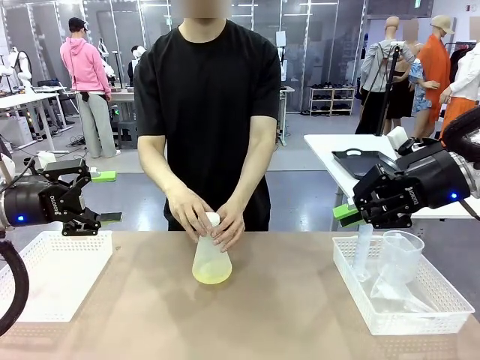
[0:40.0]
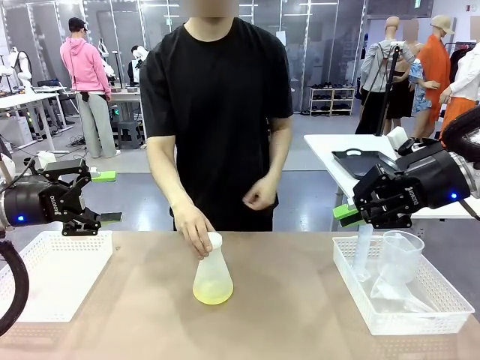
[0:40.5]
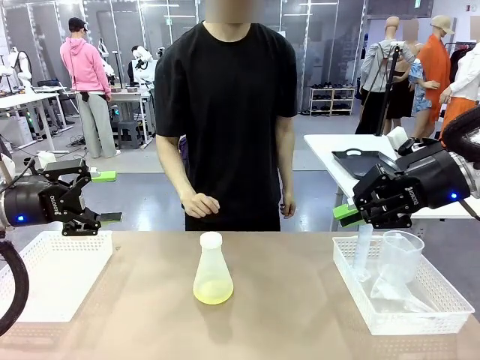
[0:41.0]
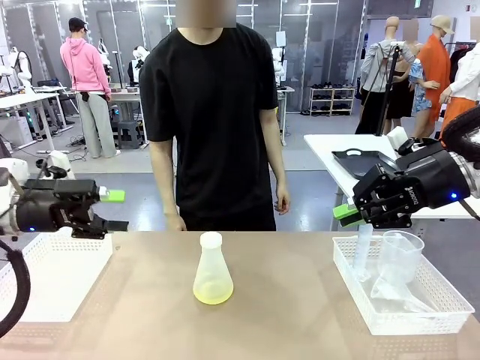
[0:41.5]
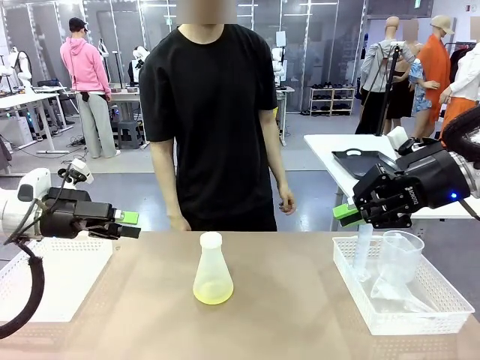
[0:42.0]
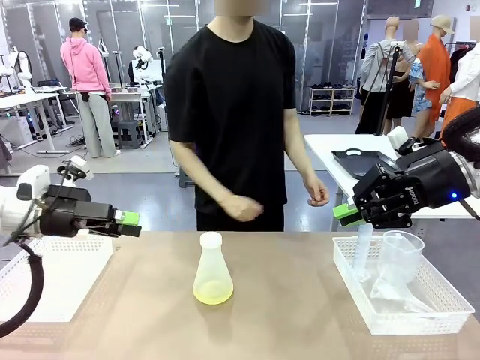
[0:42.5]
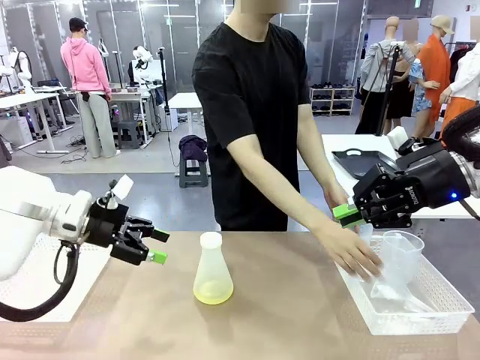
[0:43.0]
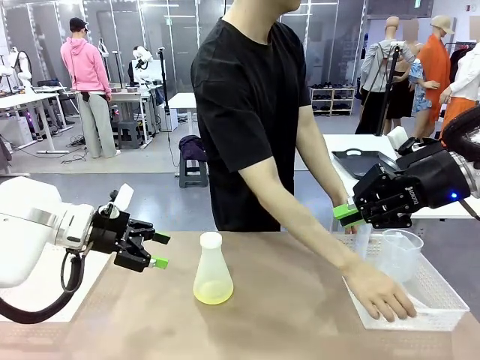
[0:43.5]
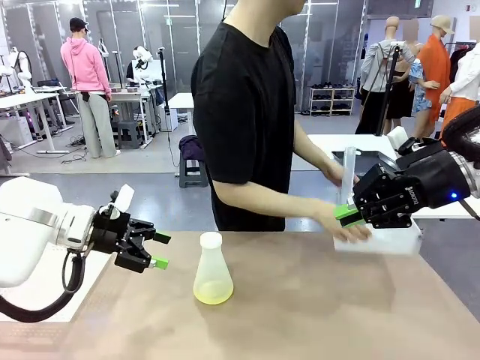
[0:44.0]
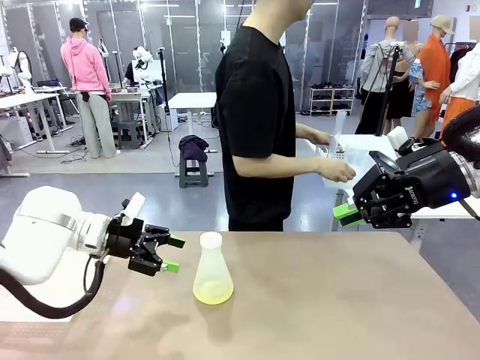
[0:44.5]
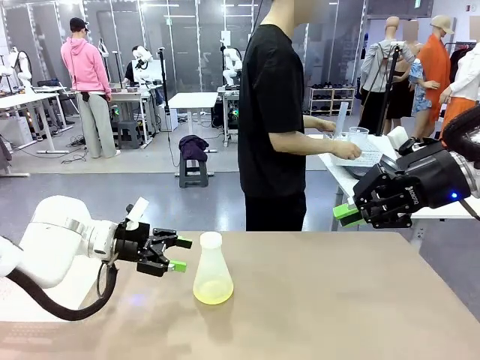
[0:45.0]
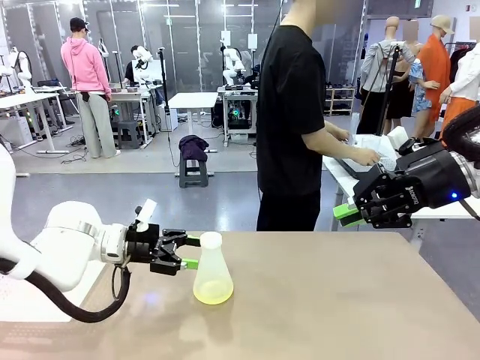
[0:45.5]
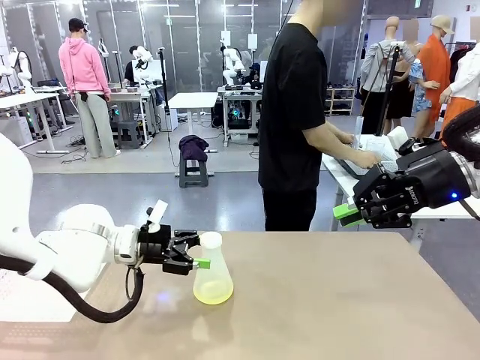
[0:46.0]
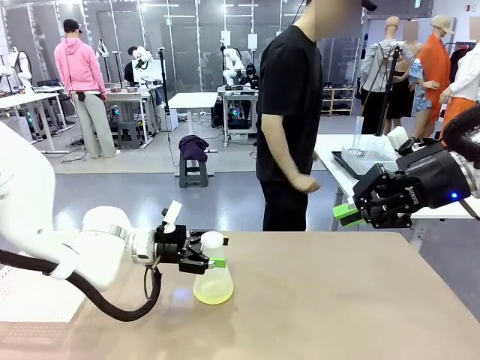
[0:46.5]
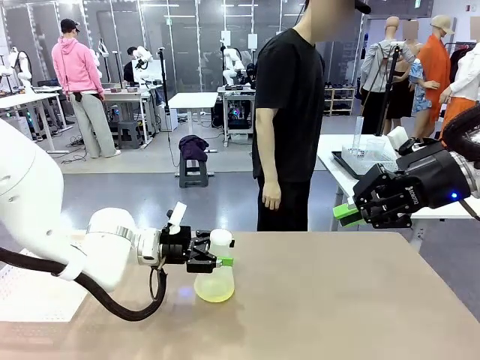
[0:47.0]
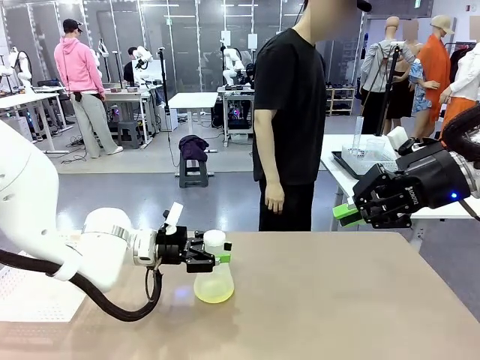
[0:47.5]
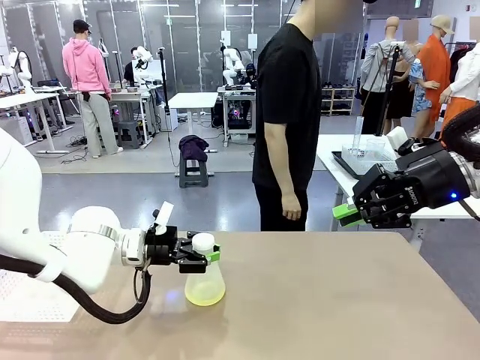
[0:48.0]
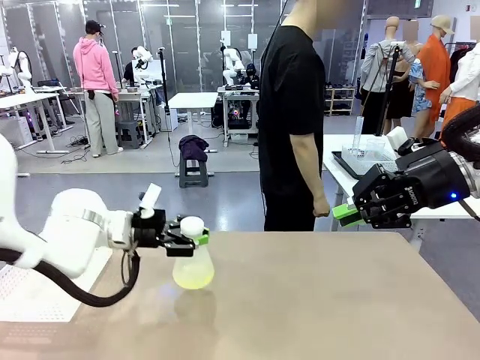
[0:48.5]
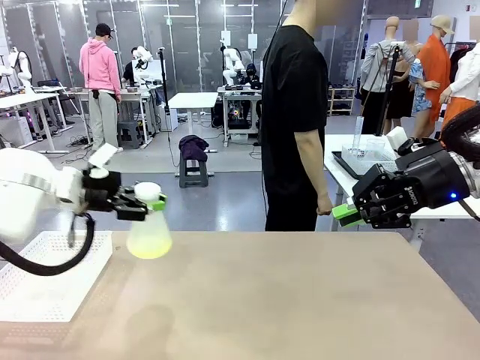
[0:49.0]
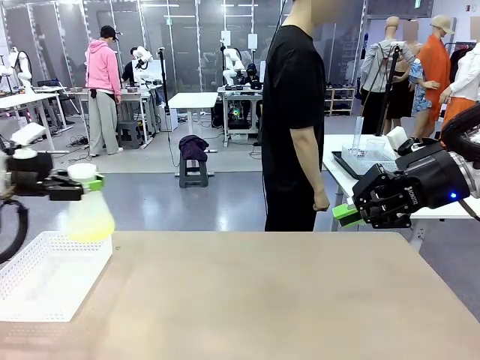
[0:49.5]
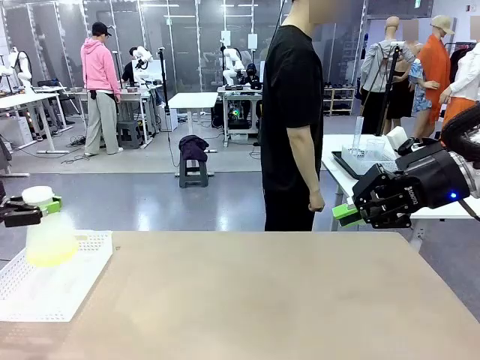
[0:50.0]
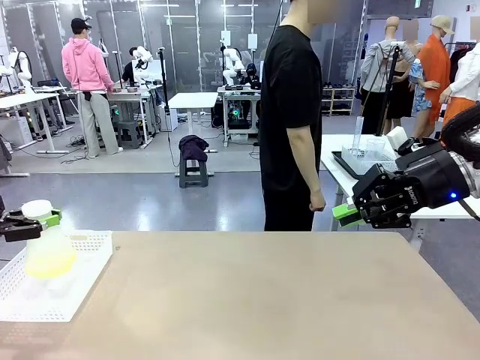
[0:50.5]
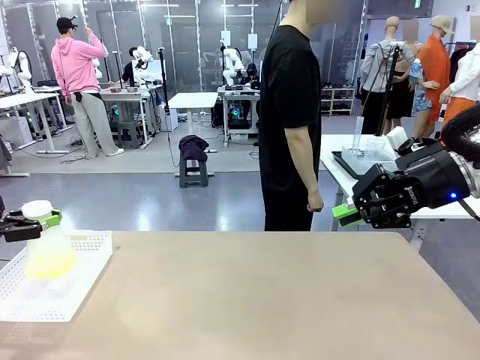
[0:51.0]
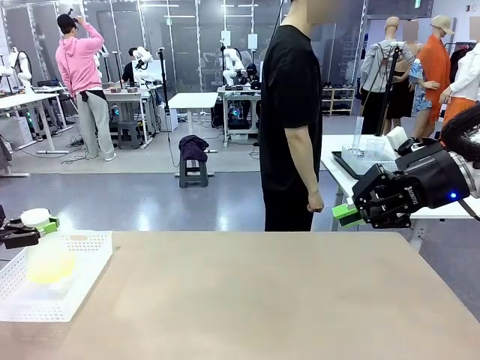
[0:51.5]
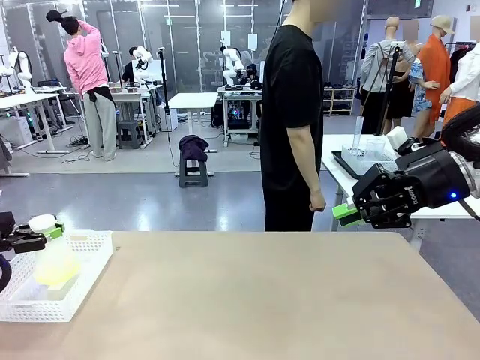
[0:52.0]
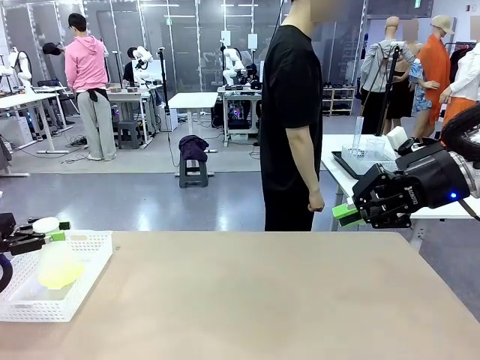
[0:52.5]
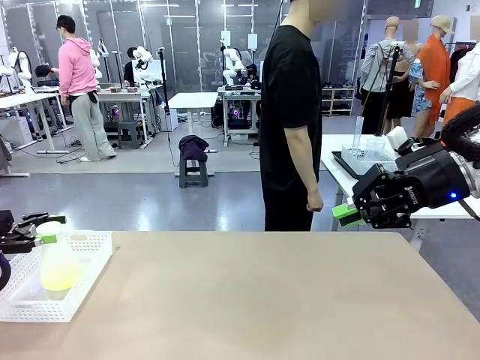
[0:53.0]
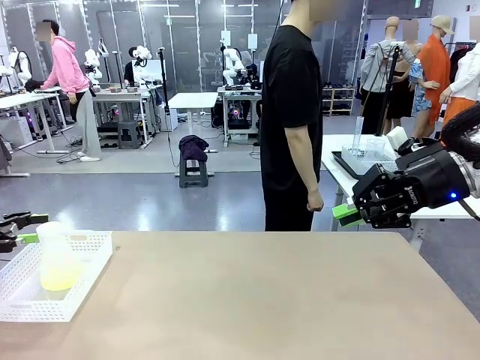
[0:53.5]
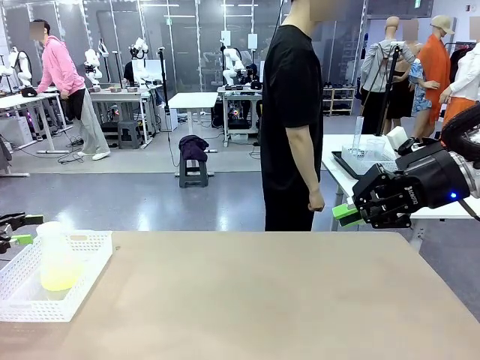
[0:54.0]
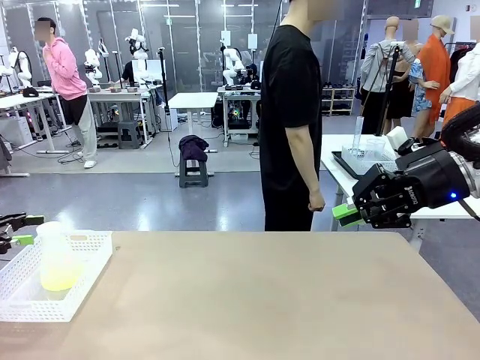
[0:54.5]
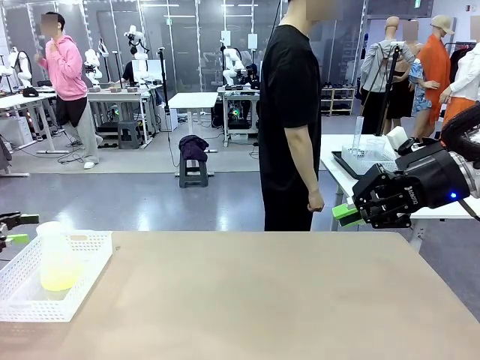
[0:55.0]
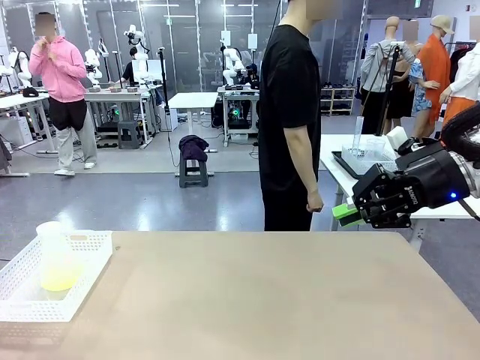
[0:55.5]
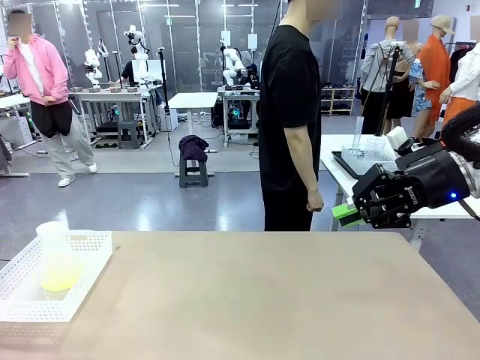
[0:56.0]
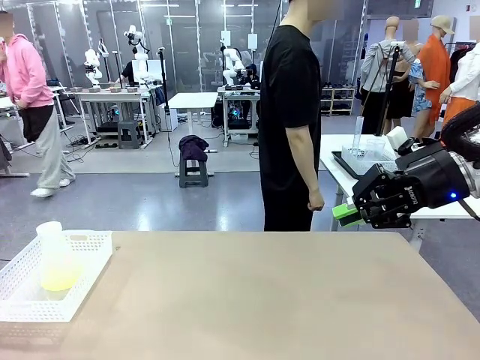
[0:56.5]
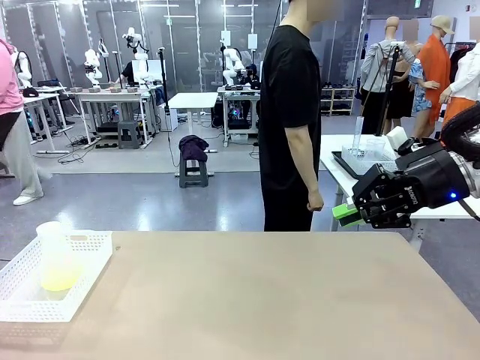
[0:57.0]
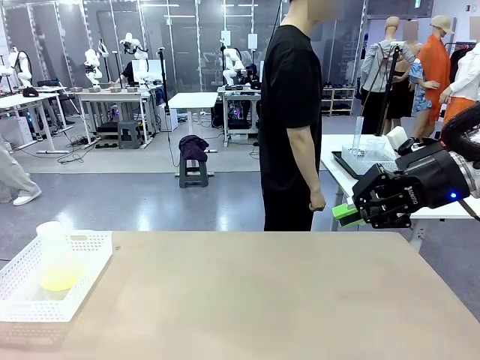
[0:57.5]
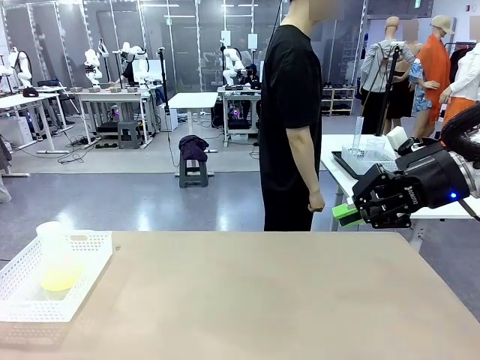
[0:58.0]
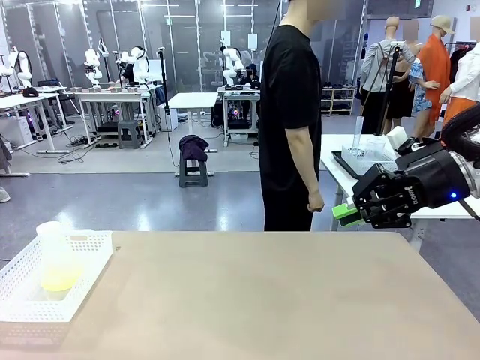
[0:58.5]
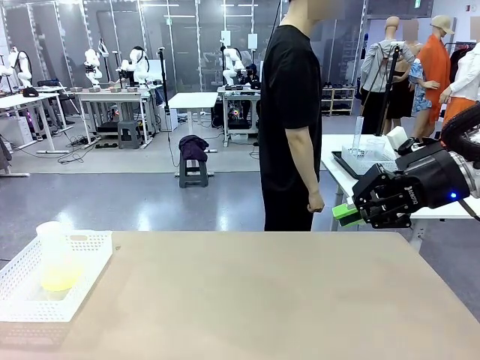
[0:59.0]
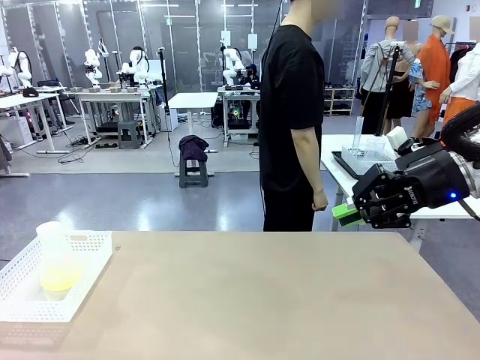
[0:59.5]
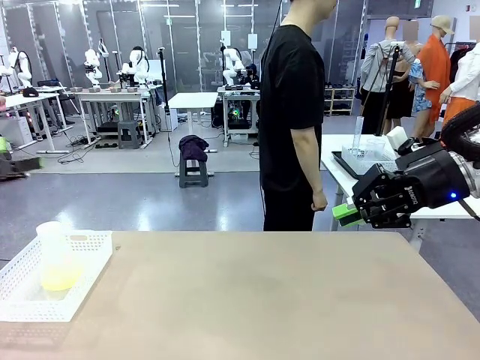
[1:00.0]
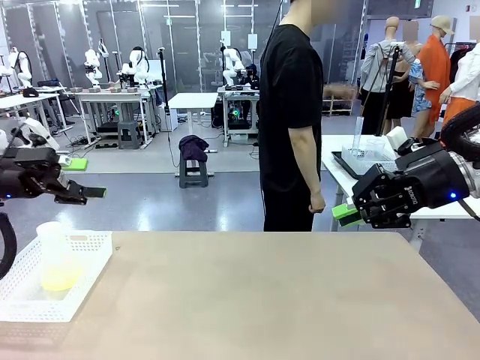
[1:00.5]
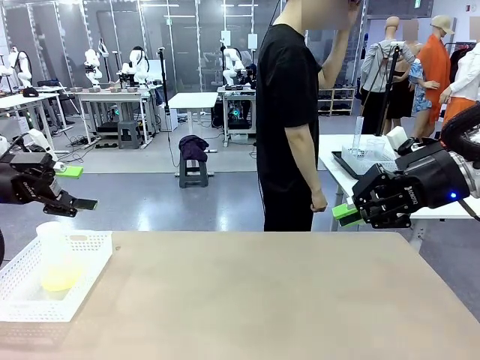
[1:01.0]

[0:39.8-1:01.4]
Task: Prepare the solutions needed for the experiment.
Robot: When the human places the Big flask in the center of the table, pick up the Big flask and place it in the left Organizing basket.
Person: Pick up the organizing basket on the left side of the robot table and place it on the left side of the human table.
